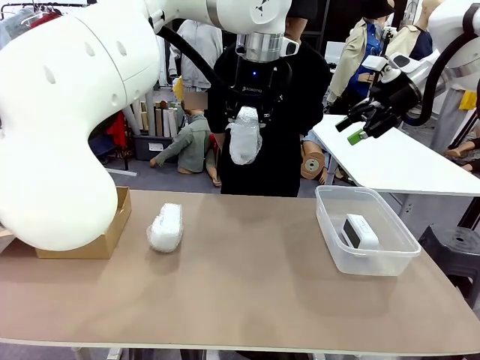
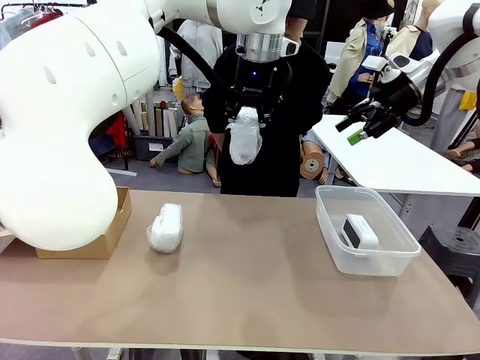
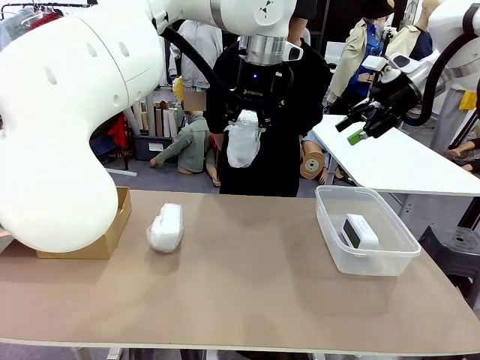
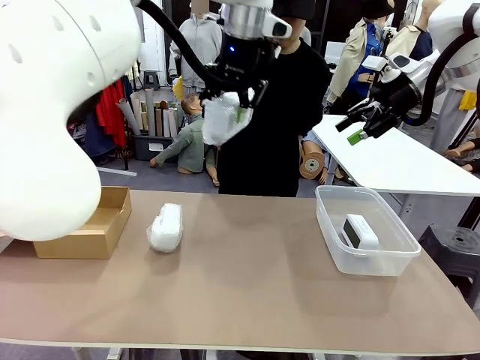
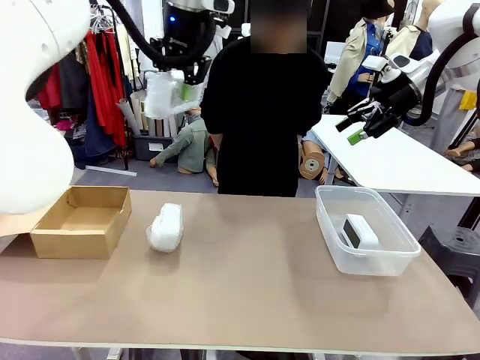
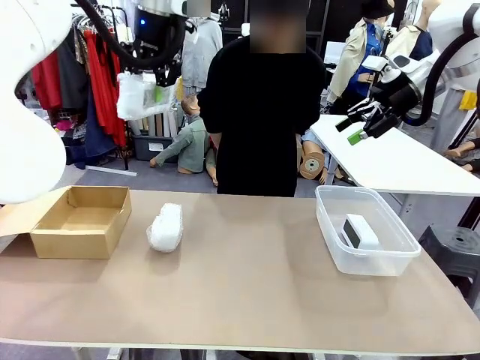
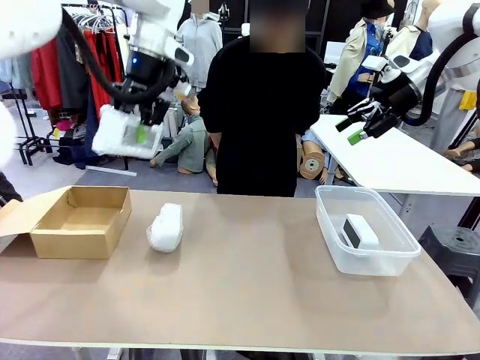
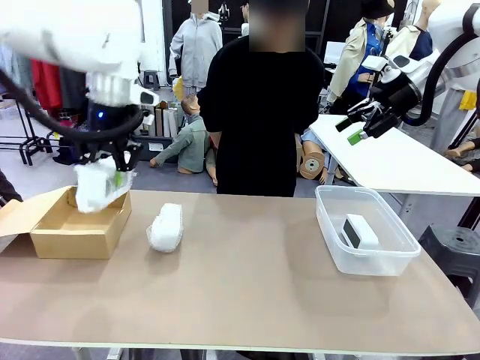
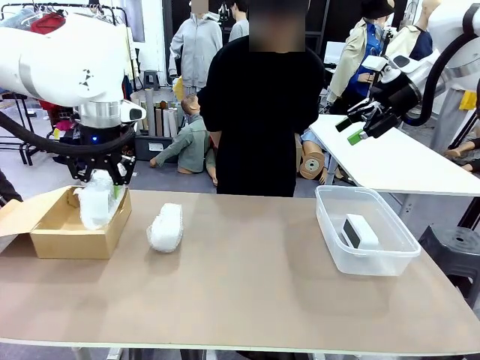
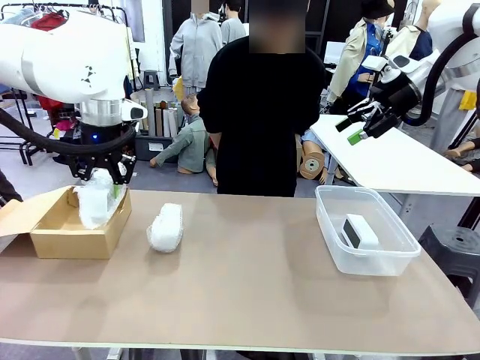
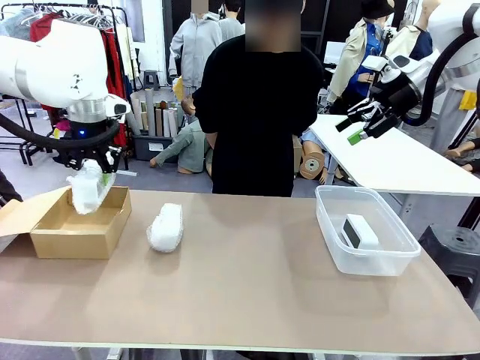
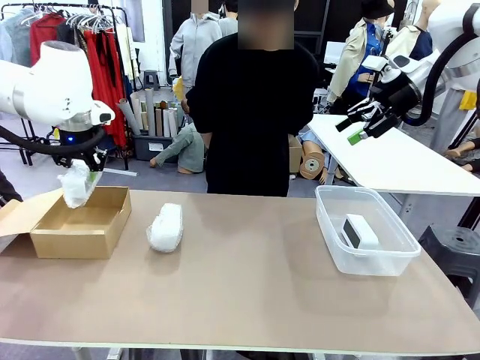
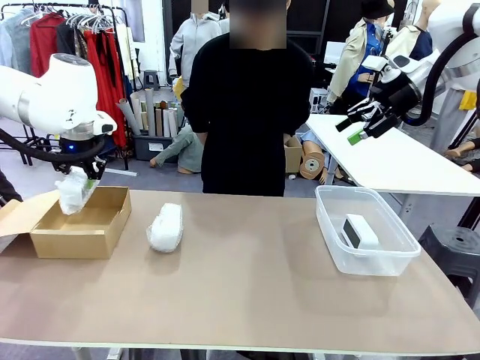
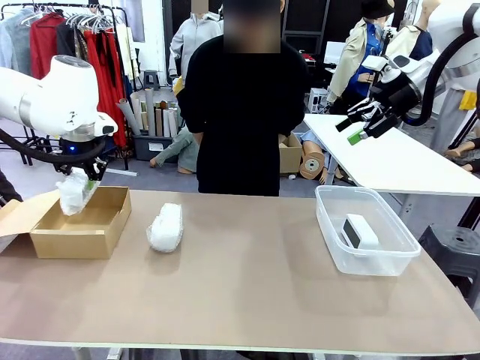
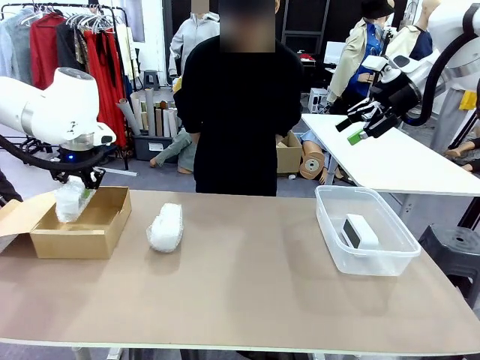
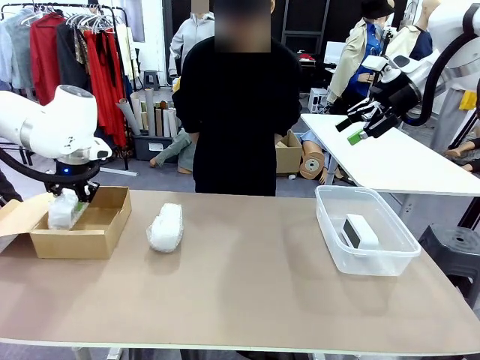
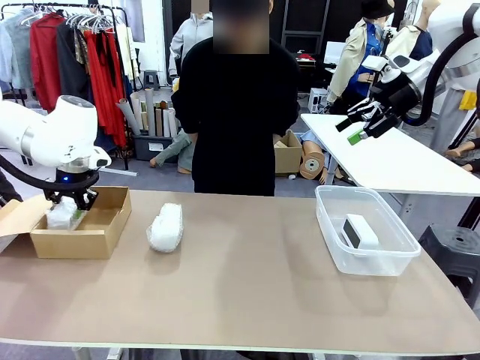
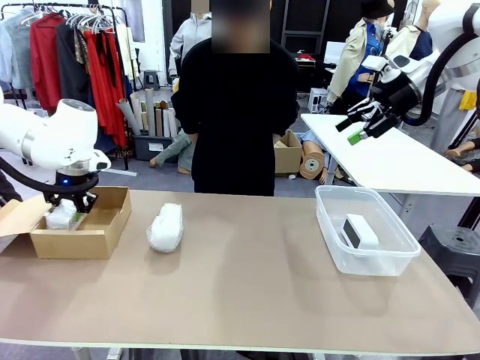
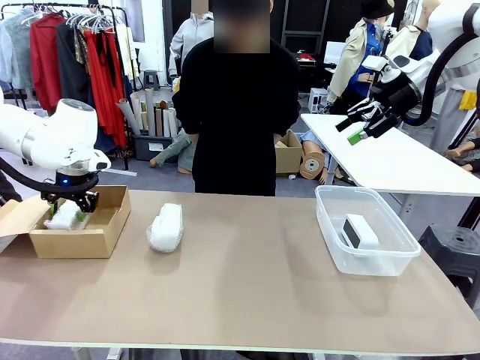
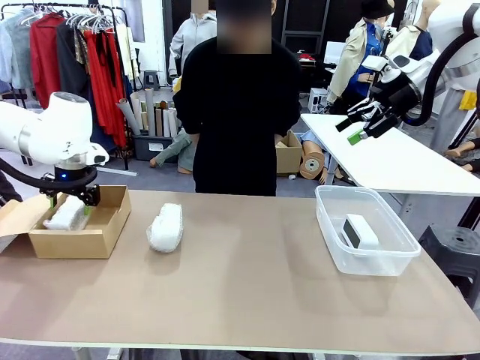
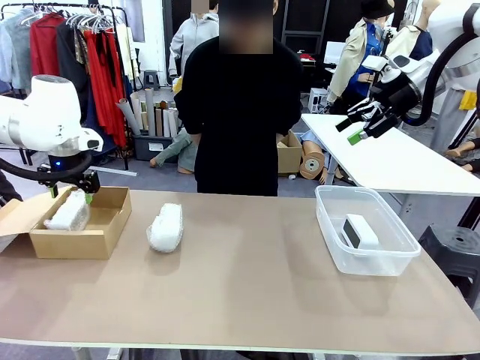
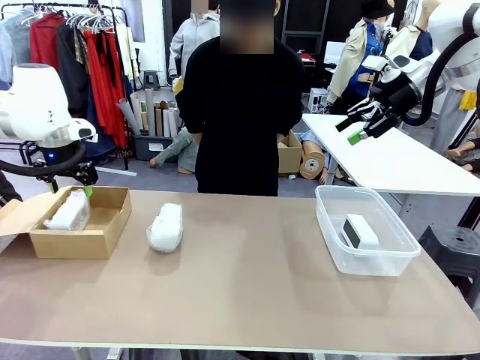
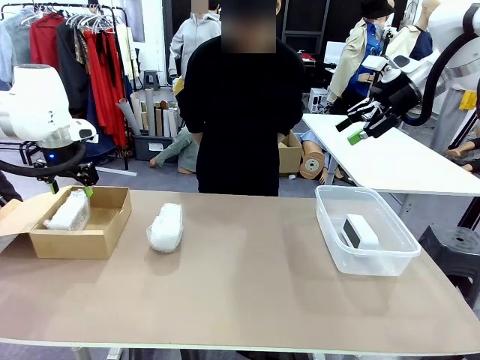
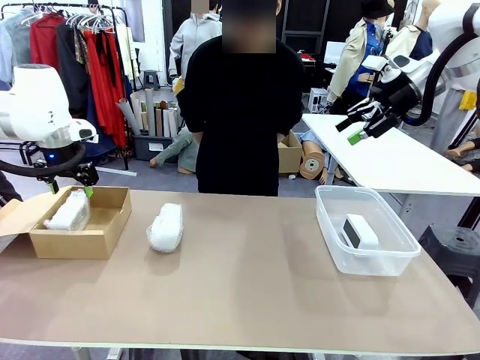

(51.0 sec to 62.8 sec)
Task: Separate and place wrapped and unwrapped clocks.
Robot: If the picked Digital clock is wrapped, place it in the Package Box ; if not, place it in the Organizing box.

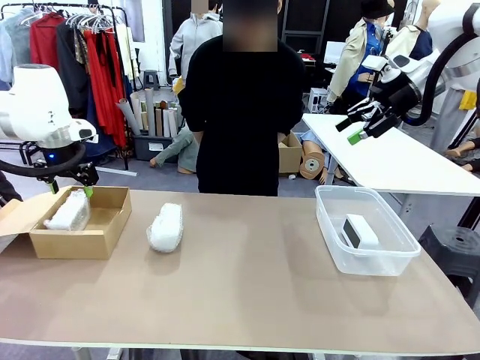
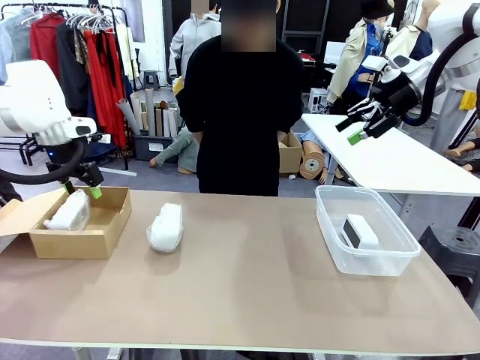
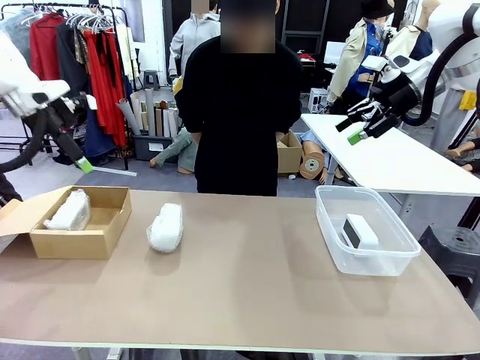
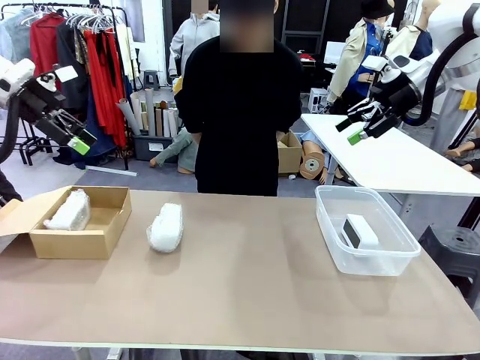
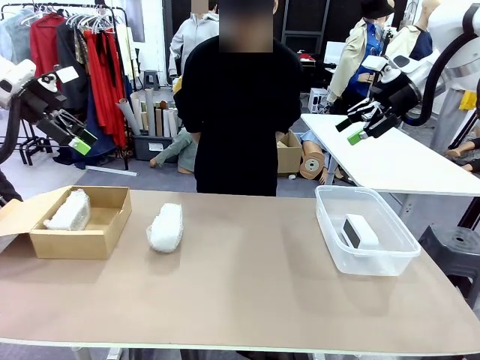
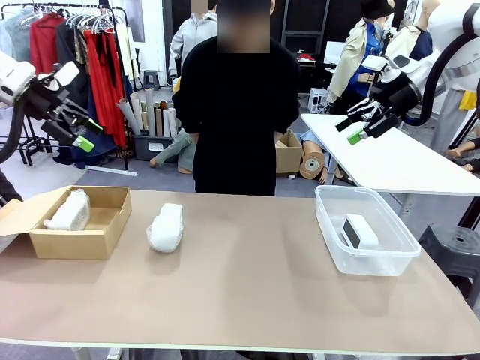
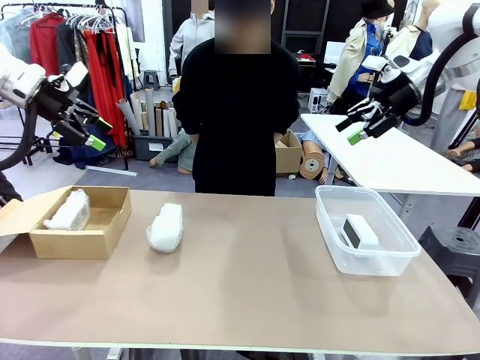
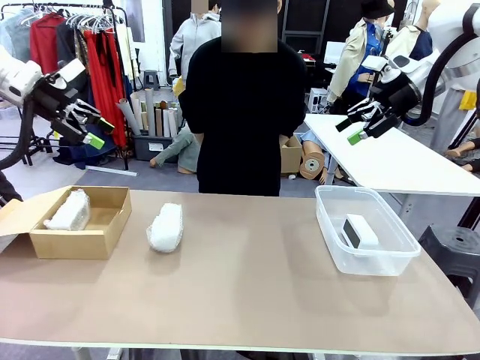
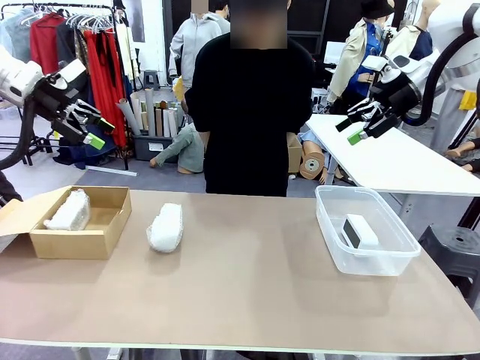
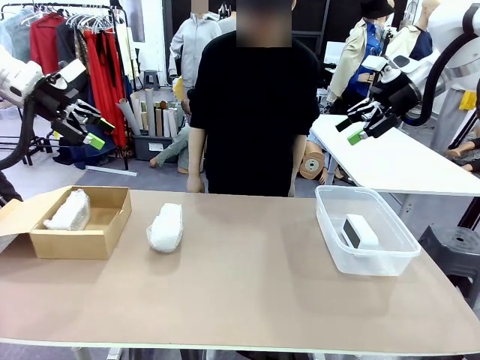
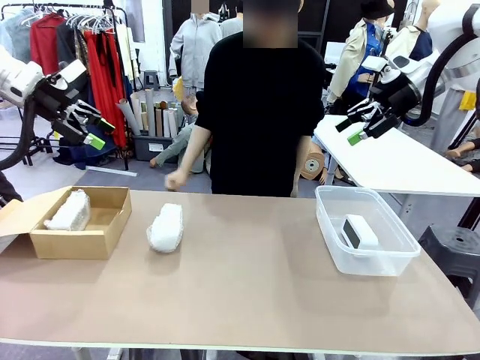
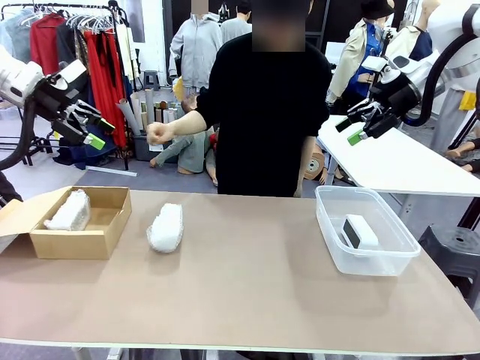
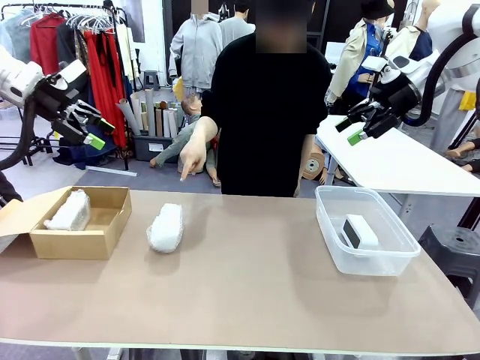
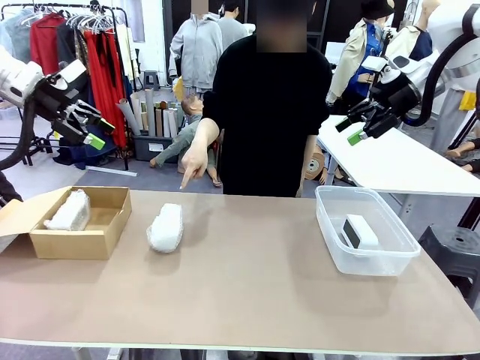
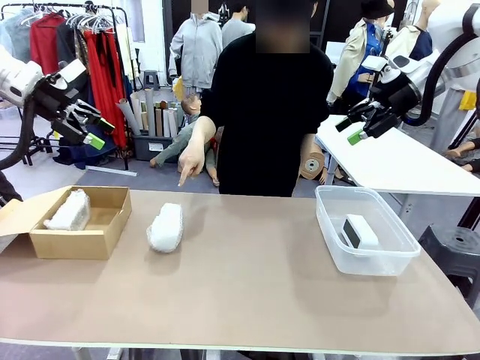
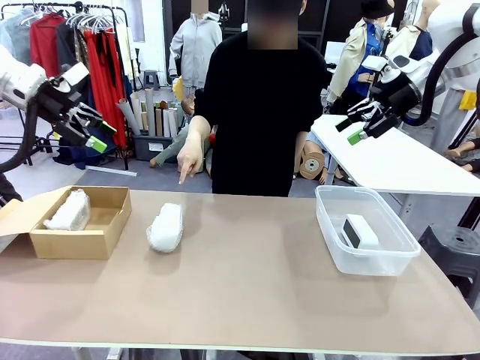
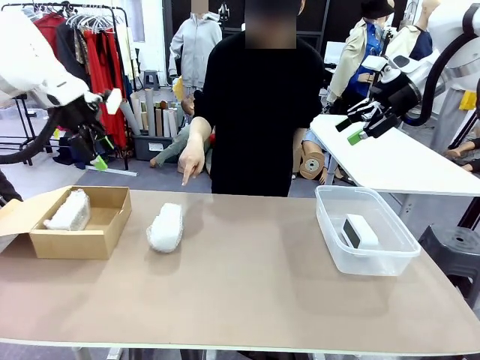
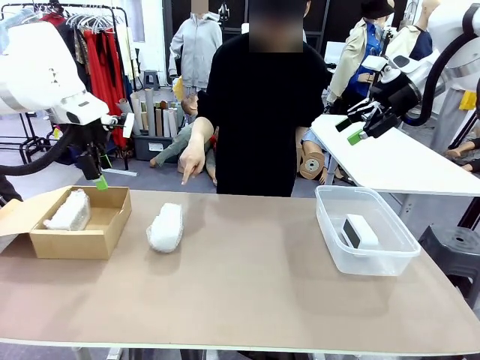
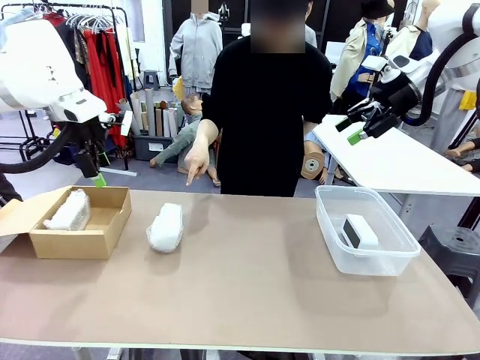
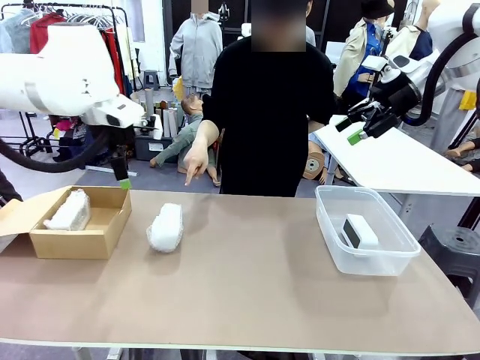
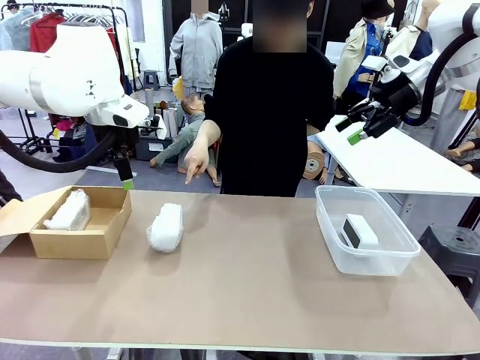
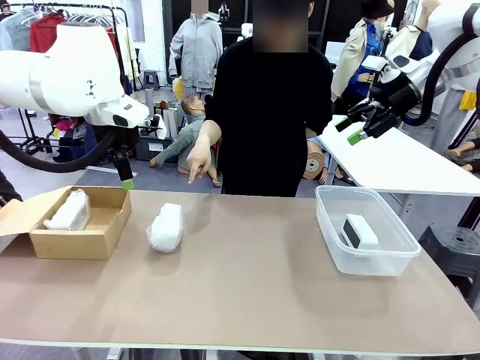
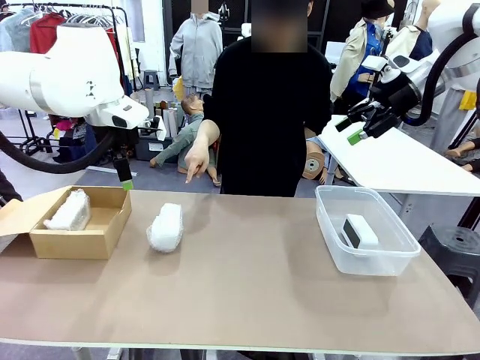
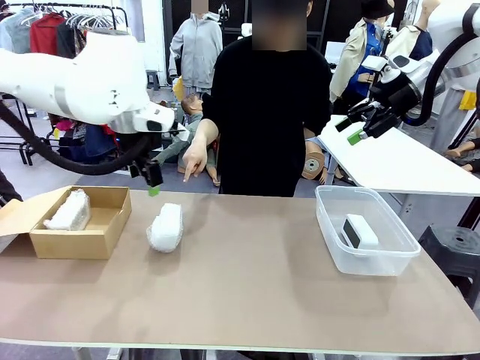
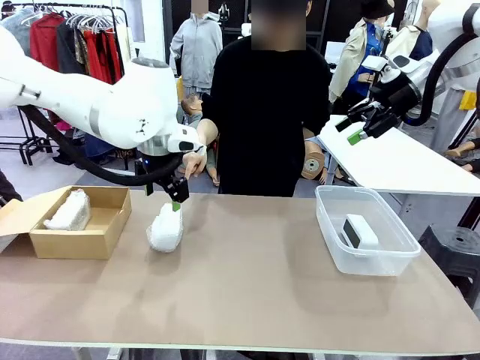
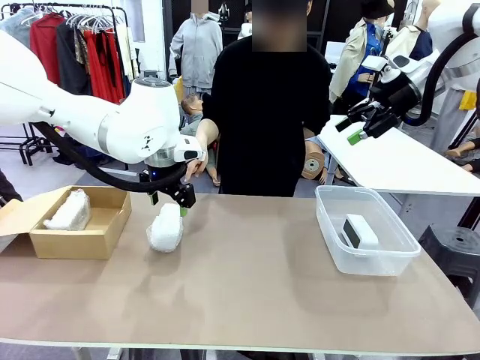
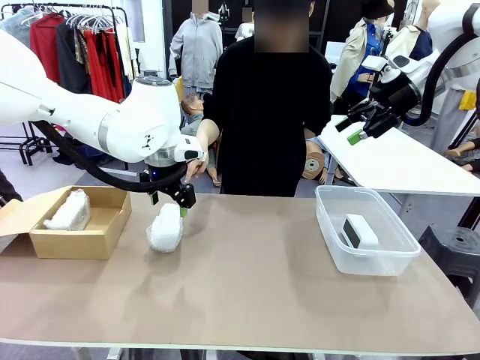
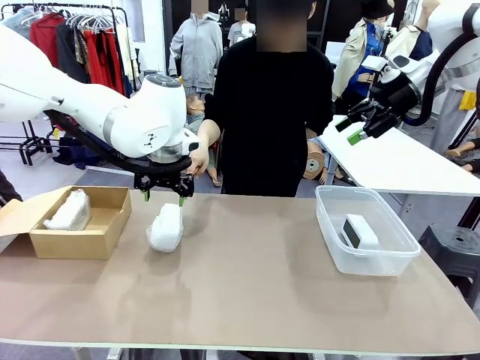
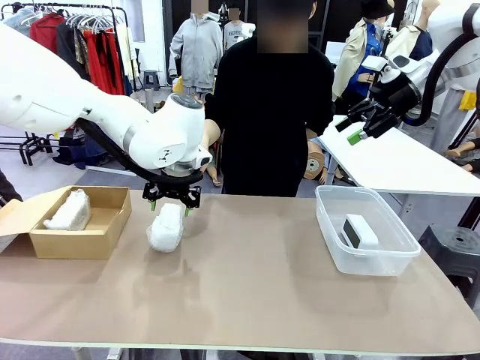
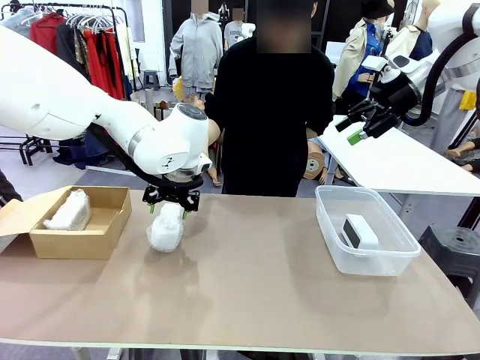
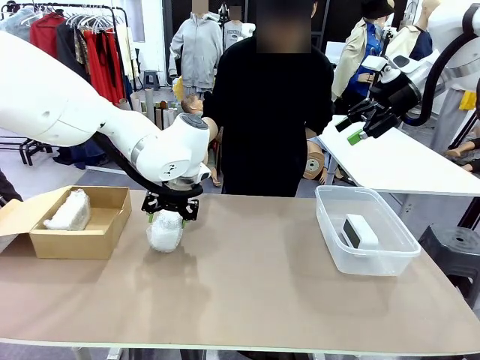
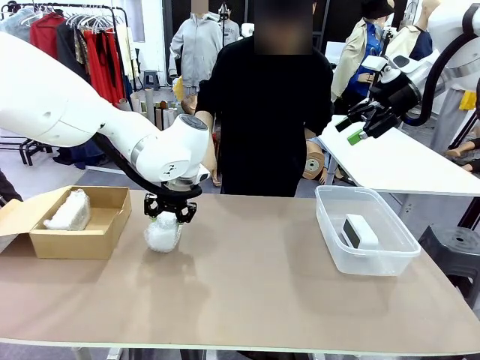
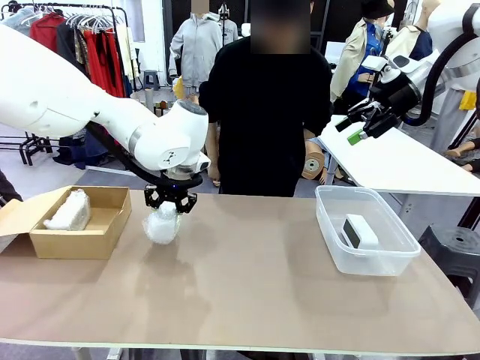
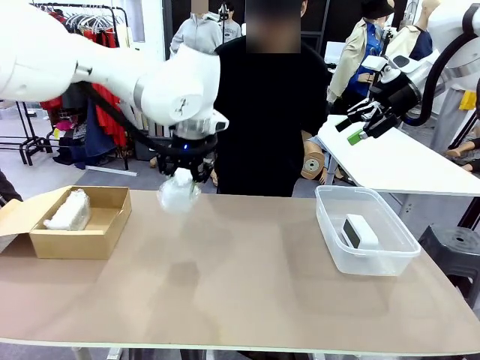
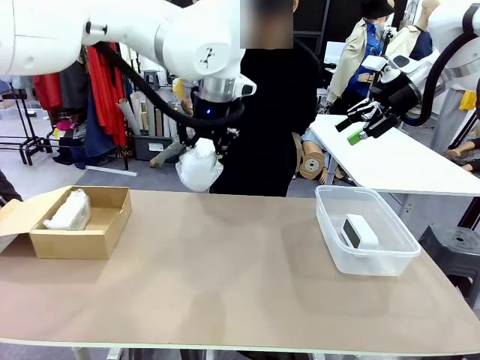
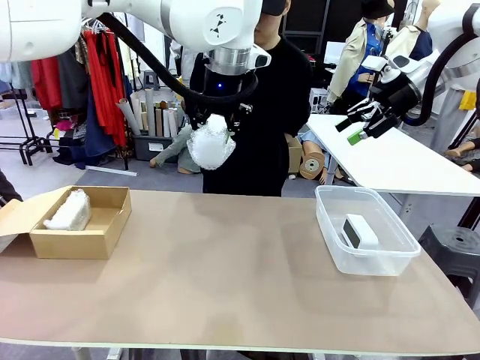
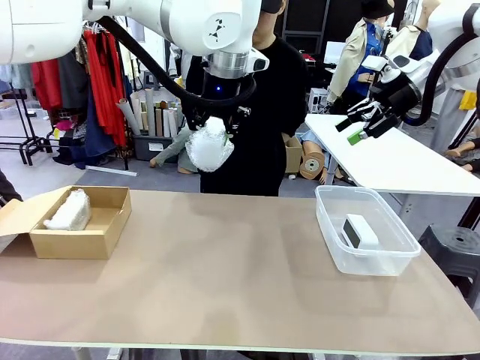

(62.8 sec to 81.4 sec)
Robot: Pick up the Digital clock indicated by the person.
